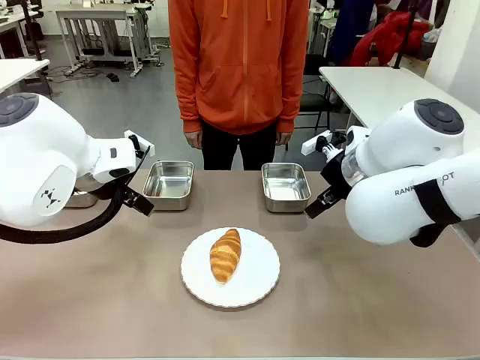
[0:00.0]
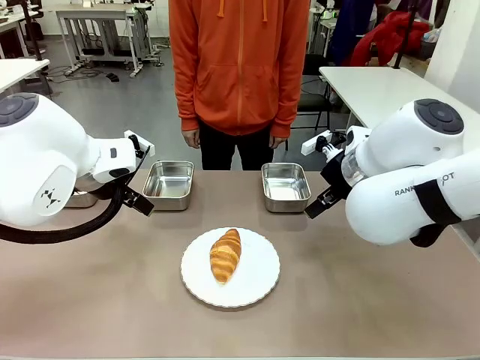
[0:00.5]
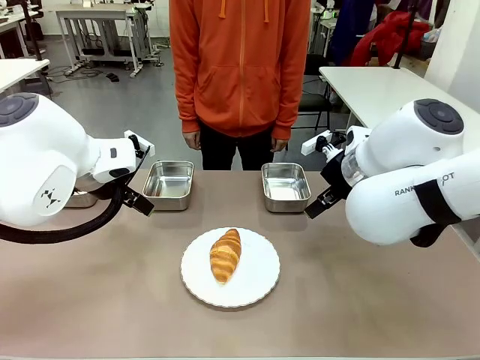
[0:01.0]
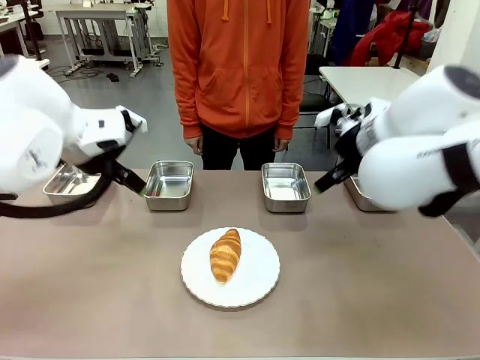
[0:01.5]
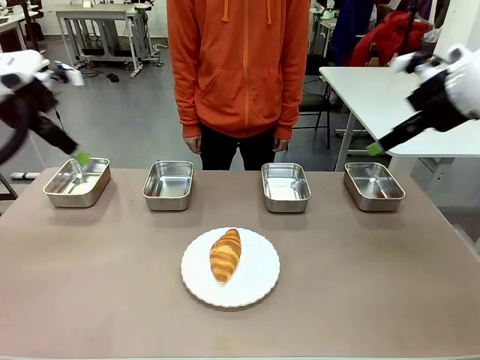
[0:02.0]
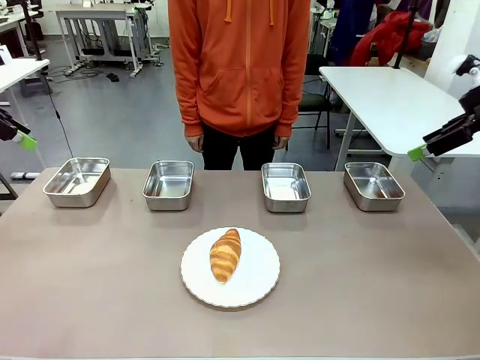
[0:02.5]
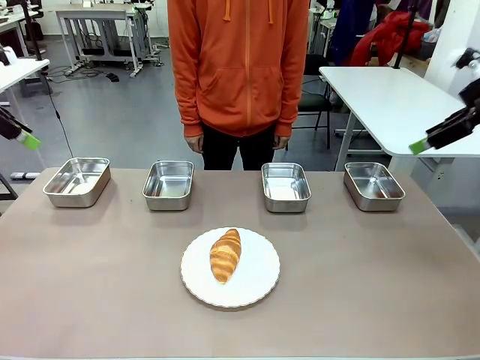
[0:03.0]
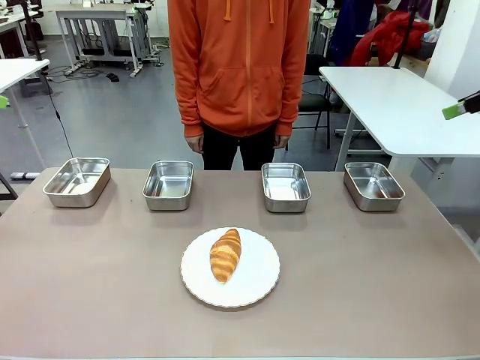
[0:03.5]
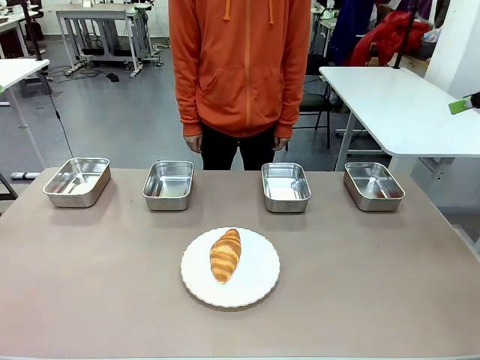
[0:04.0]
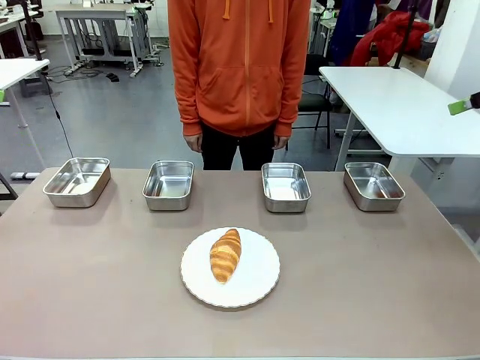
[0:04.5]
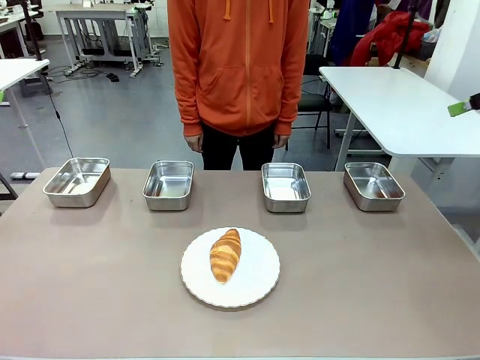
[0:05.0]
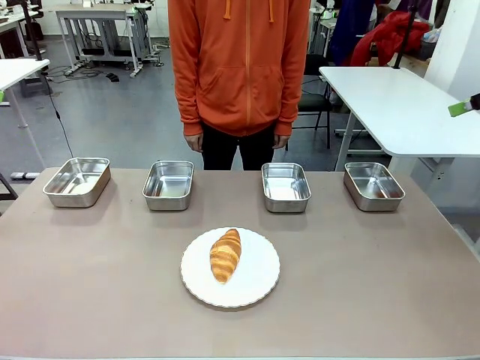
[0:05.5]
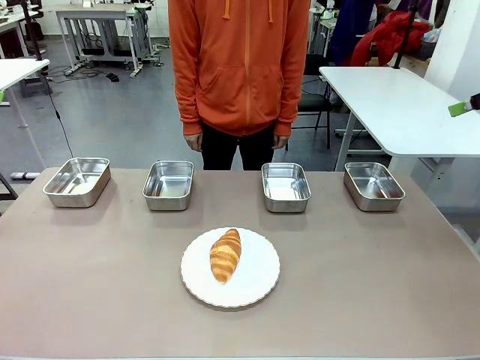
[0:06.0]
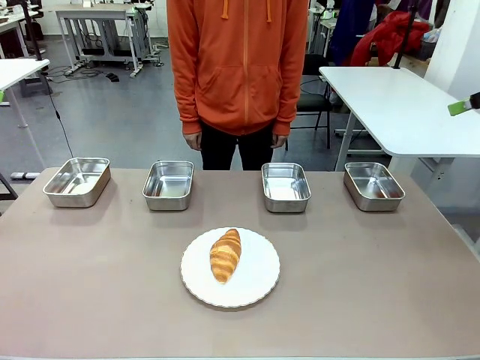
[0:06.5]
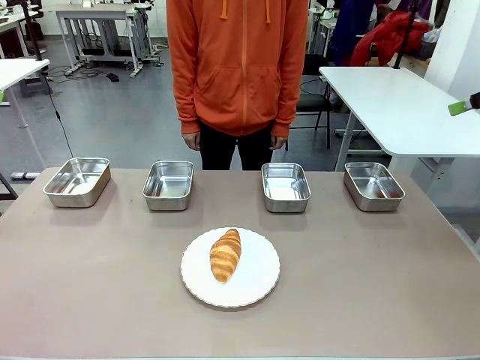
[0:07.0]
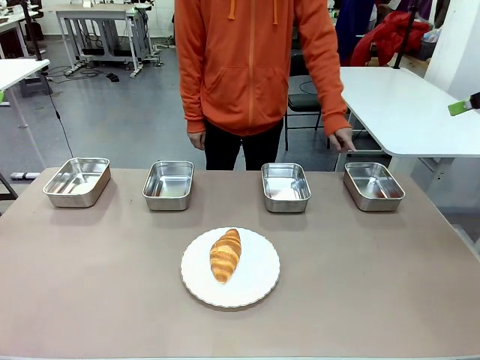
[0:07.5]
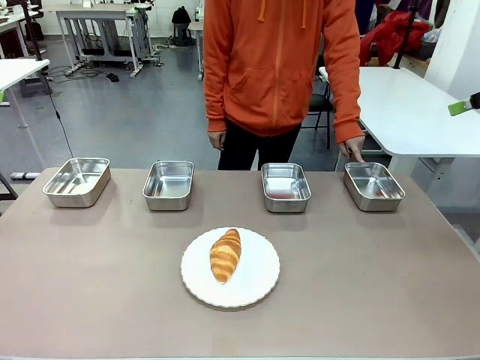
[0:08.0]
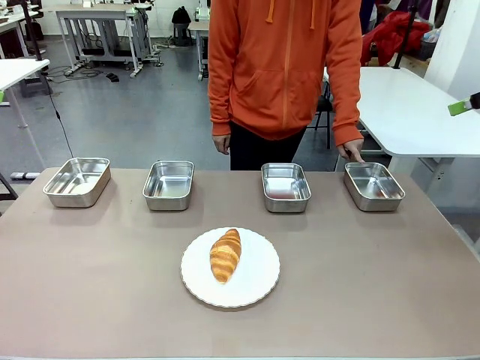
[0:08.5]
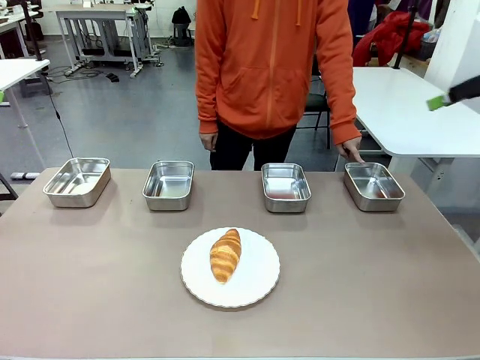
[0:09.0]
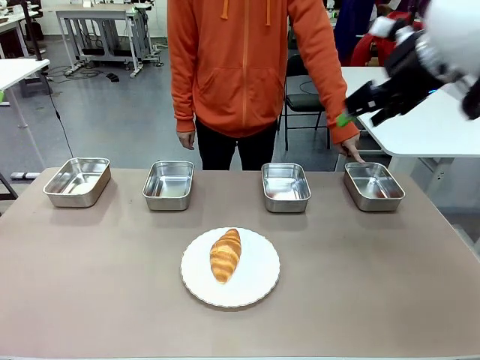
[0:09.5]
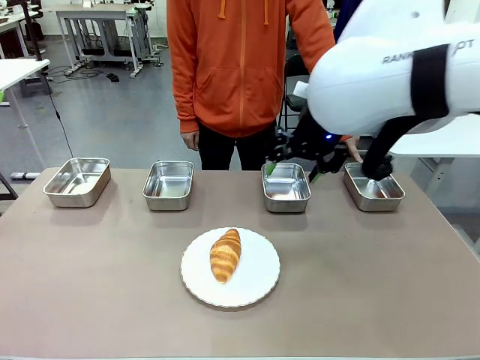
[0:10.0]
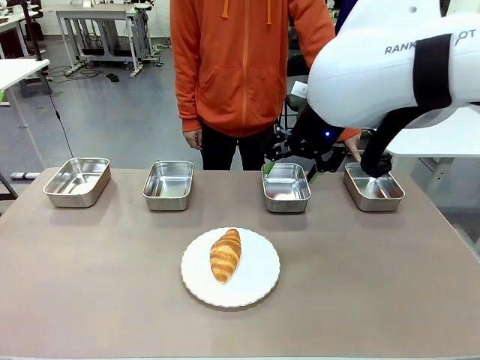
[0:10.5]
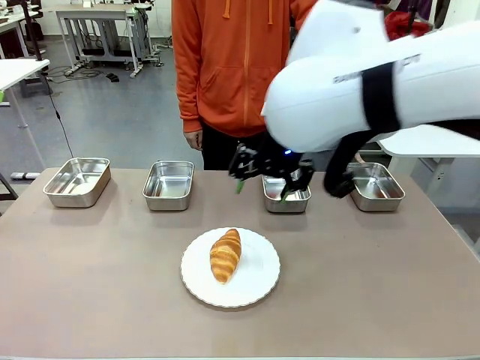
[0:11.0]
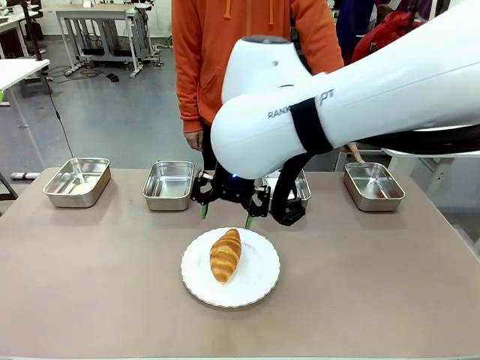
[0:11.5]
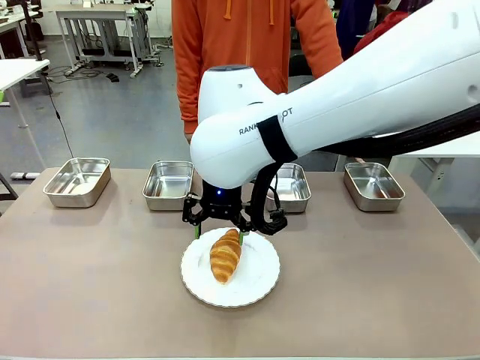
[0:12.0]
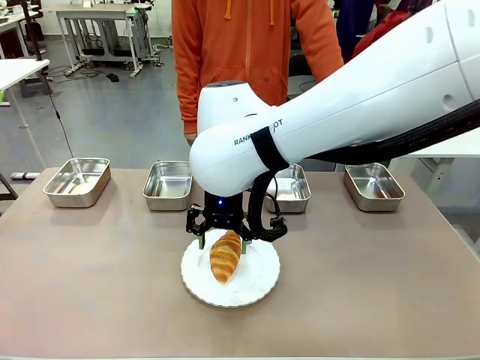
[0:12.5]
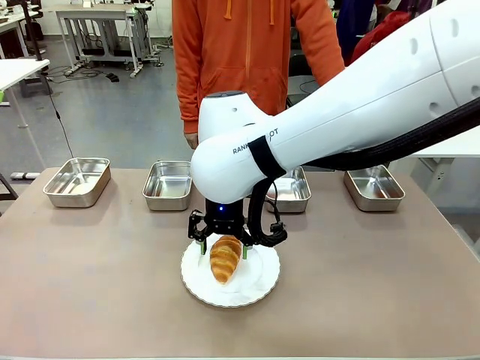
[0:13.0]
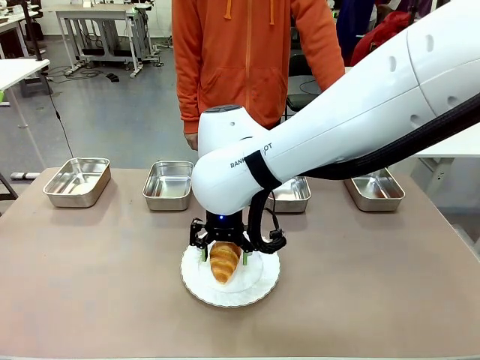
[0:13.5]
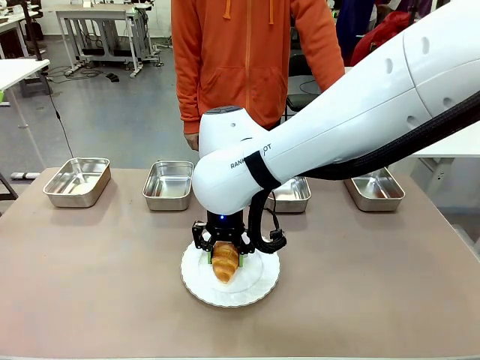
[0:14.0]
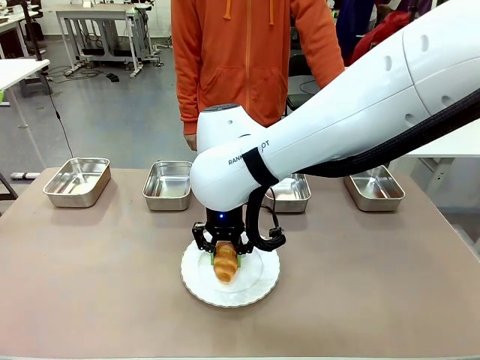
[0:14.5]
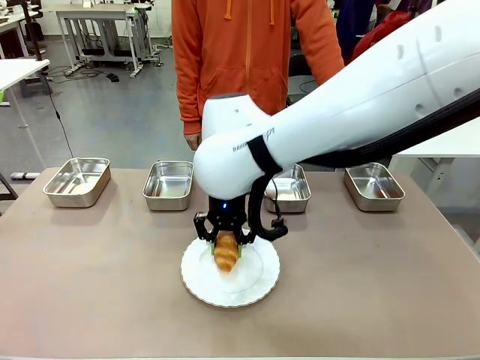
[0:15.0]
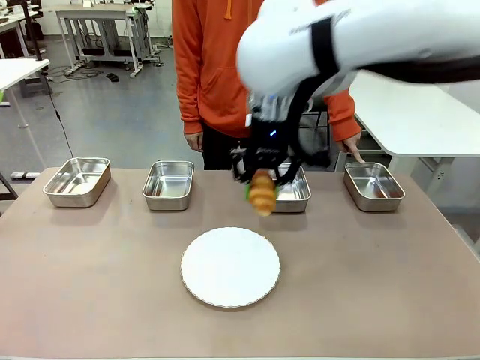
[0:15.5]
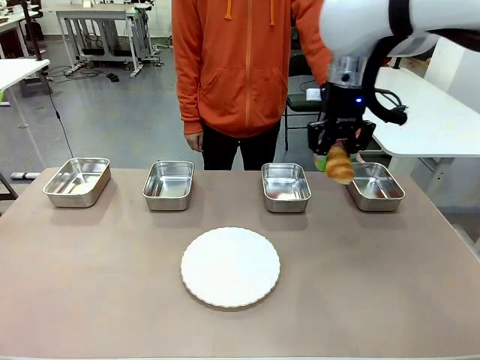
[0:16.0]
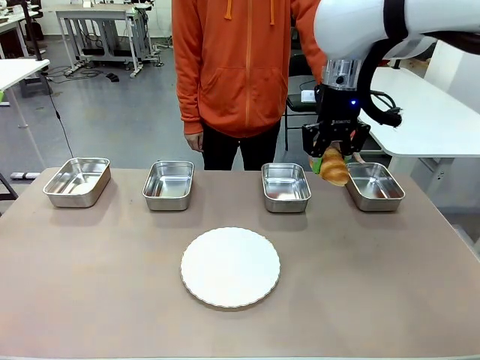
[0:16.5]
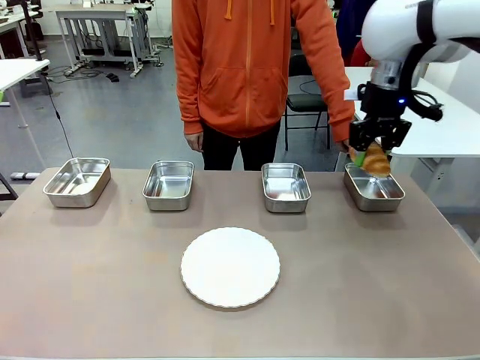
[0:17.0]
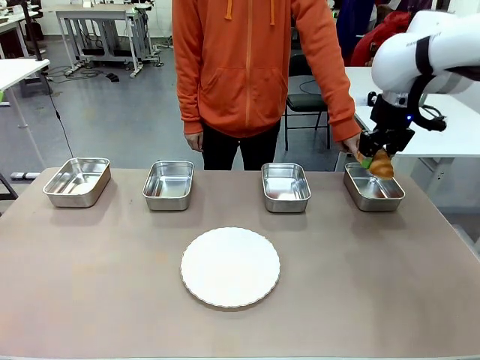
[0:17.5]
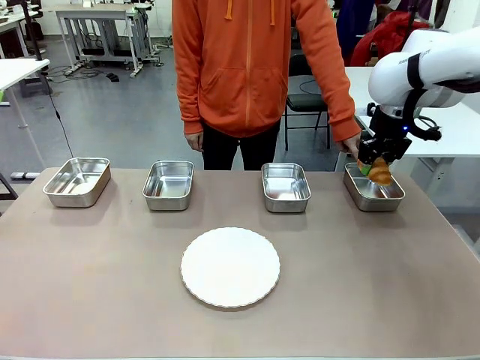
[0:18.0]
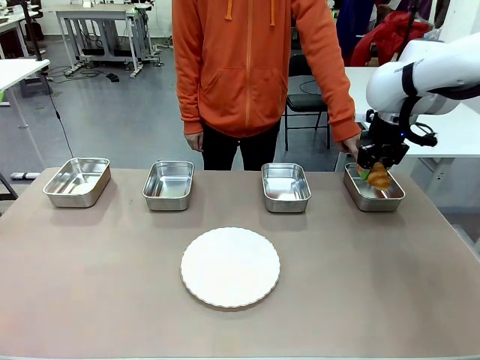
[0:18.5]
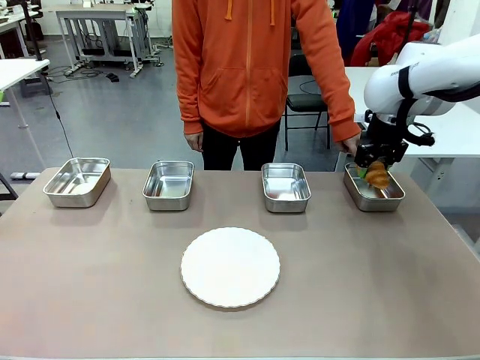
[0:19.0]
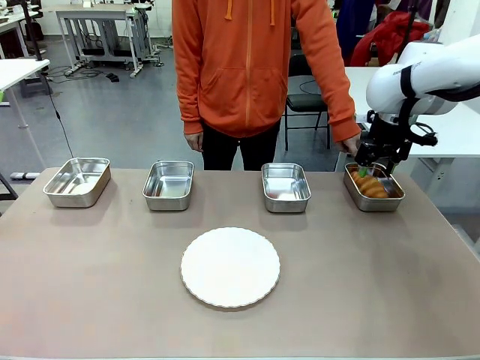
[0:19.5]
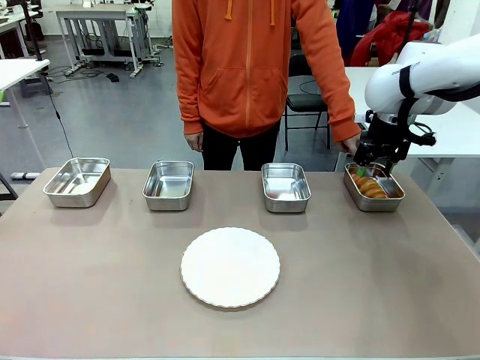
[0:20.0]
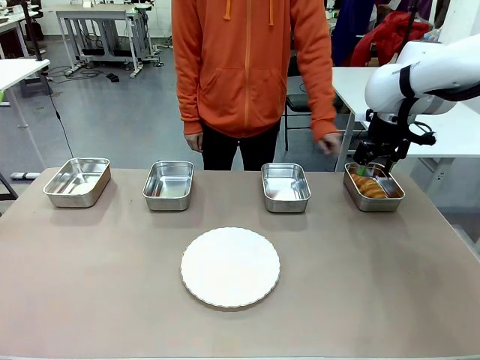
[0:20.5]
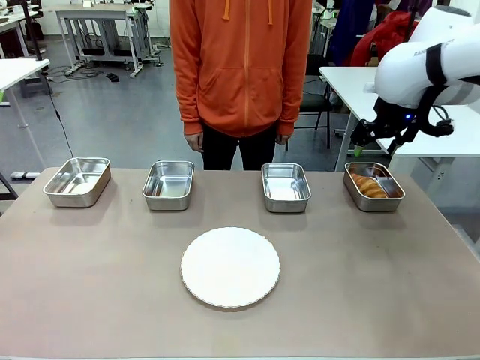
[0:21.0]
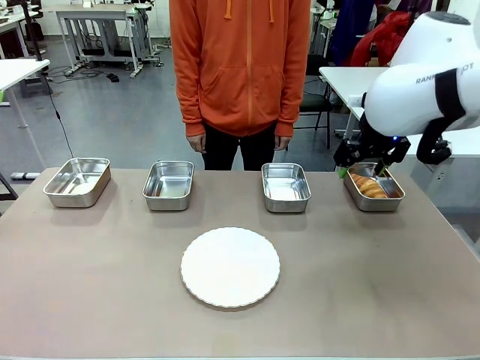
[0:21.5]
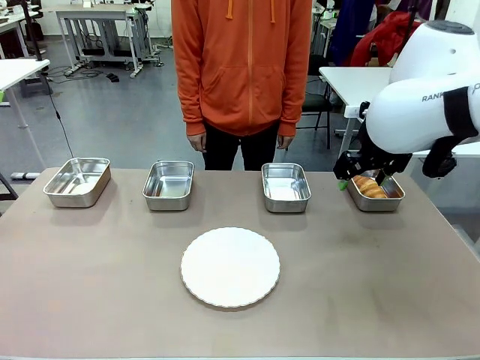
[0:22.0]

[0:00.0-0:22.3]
Task: Place the bread in the container.
Robot: Place the Butter Roll into the Airtight Container indicated by the human.
Person: A person randomly selects and points to an Airtight Container.
